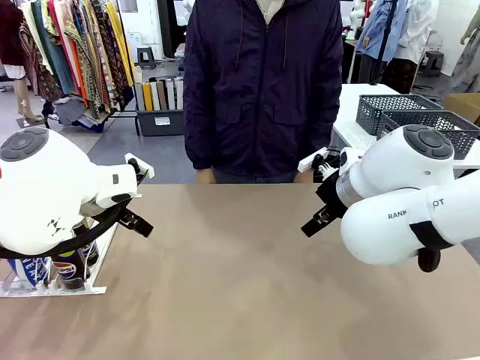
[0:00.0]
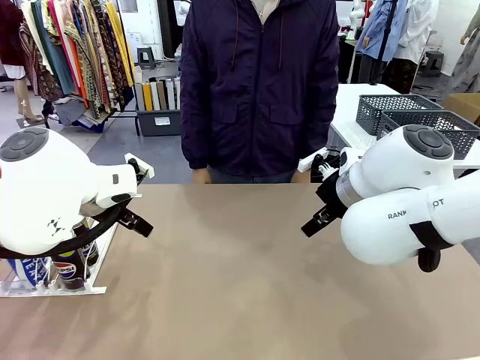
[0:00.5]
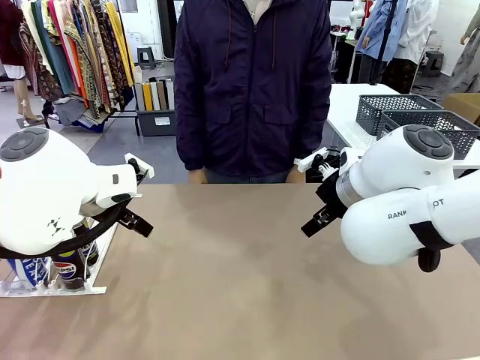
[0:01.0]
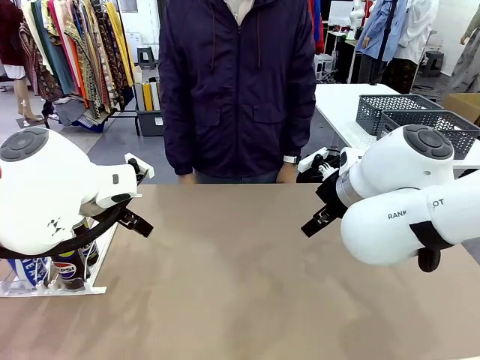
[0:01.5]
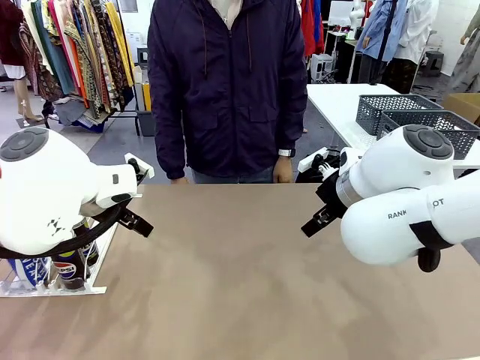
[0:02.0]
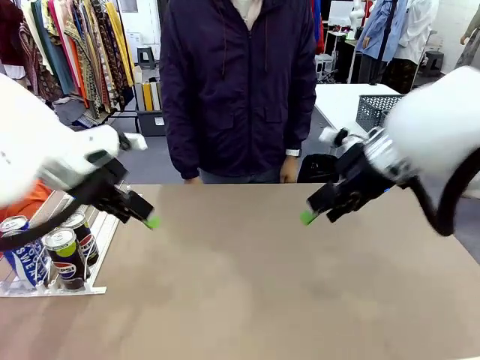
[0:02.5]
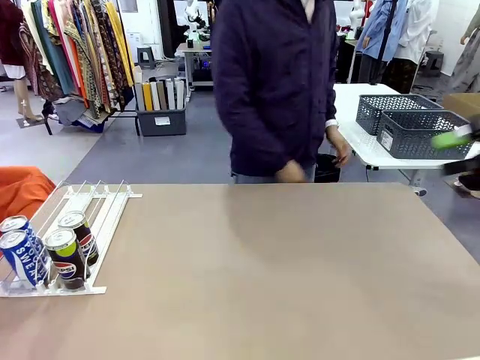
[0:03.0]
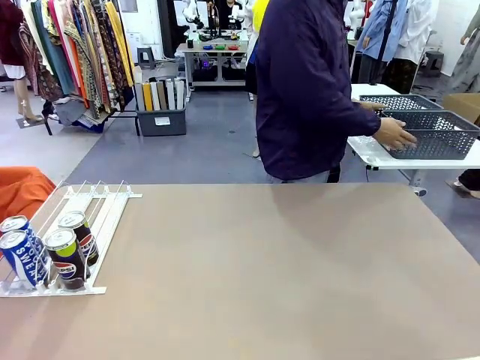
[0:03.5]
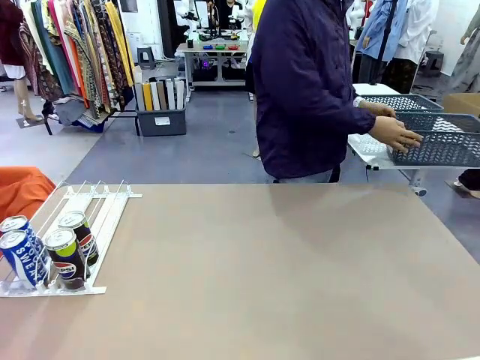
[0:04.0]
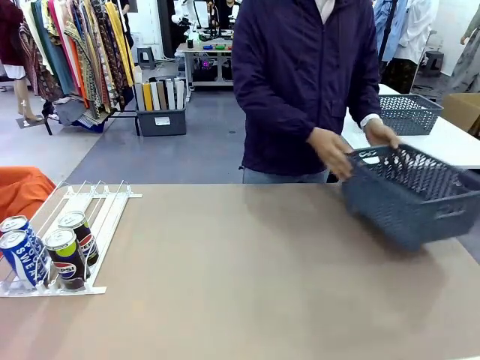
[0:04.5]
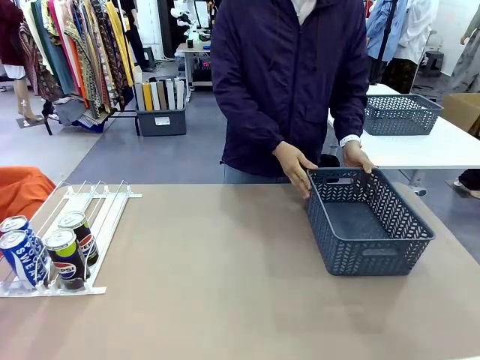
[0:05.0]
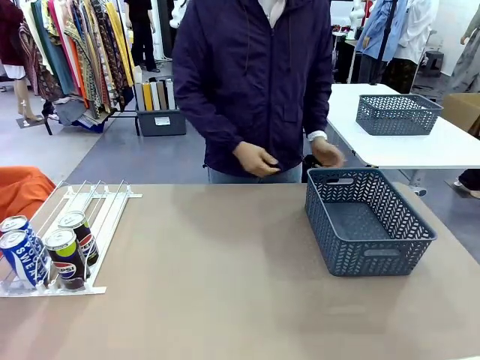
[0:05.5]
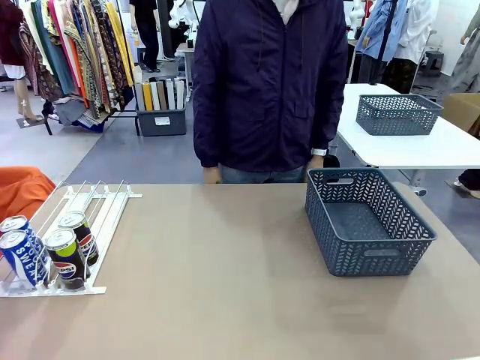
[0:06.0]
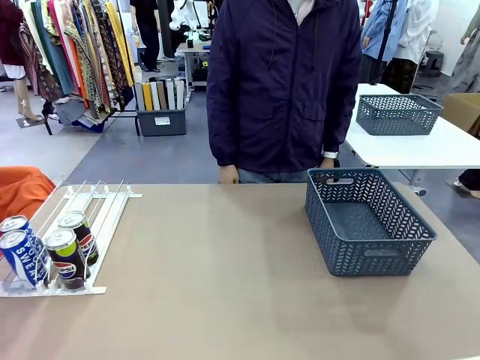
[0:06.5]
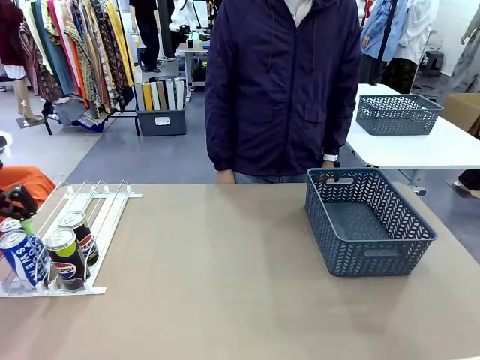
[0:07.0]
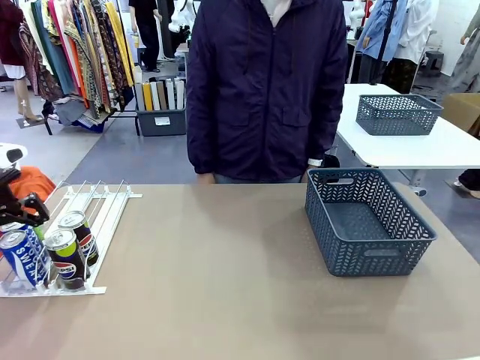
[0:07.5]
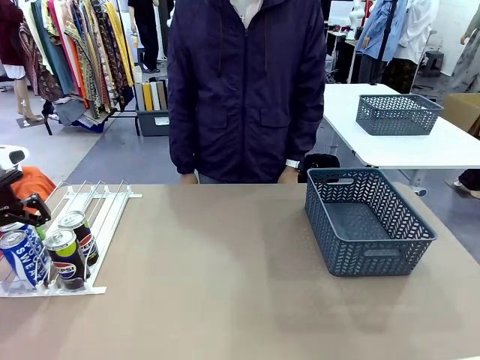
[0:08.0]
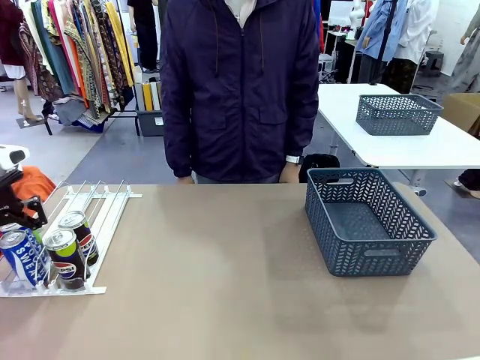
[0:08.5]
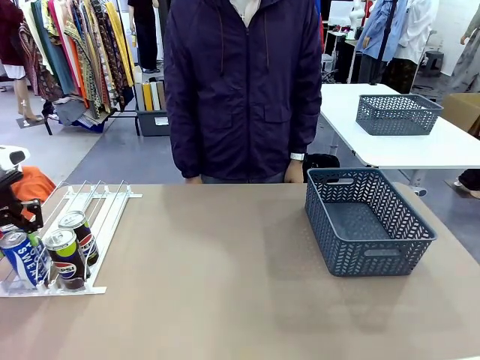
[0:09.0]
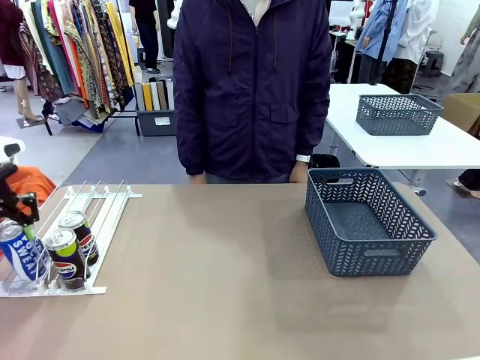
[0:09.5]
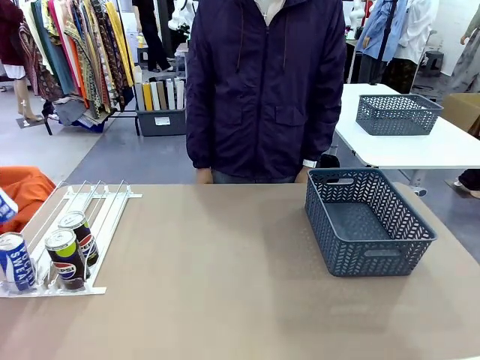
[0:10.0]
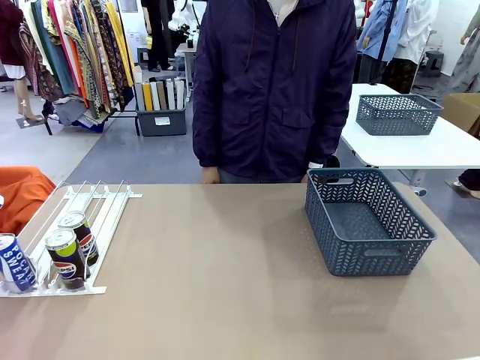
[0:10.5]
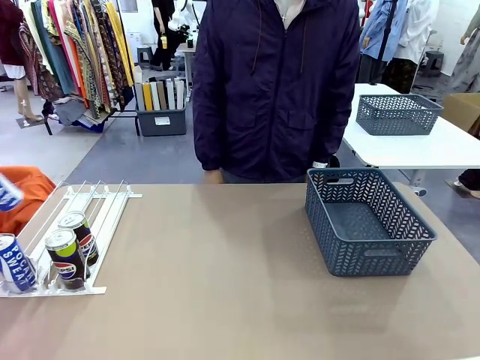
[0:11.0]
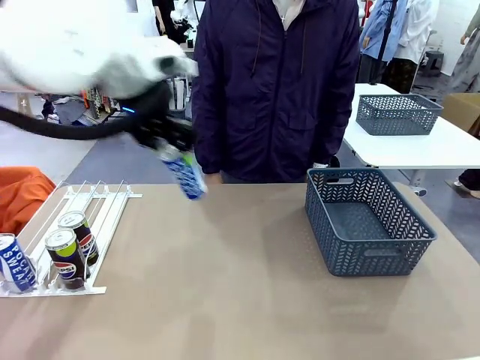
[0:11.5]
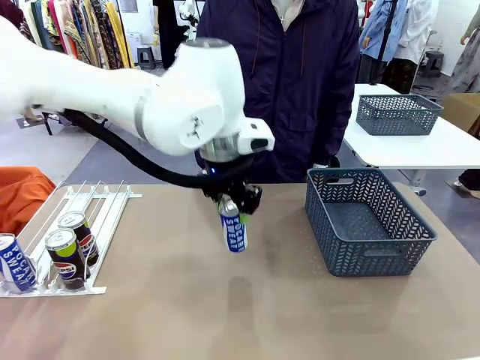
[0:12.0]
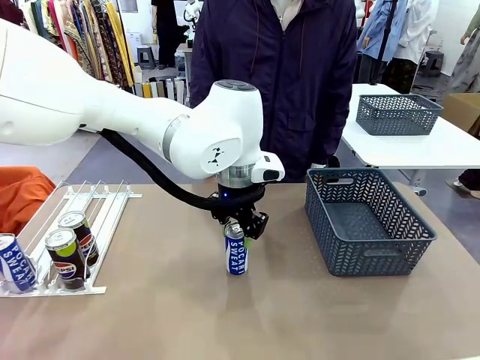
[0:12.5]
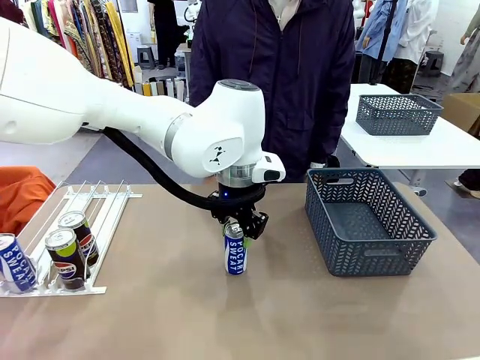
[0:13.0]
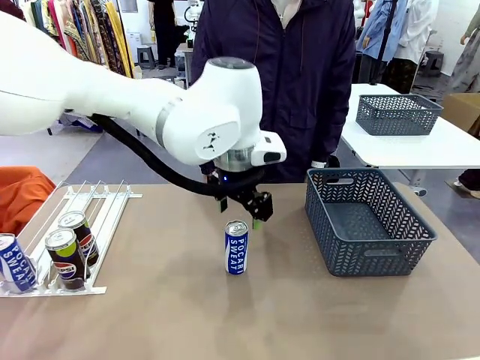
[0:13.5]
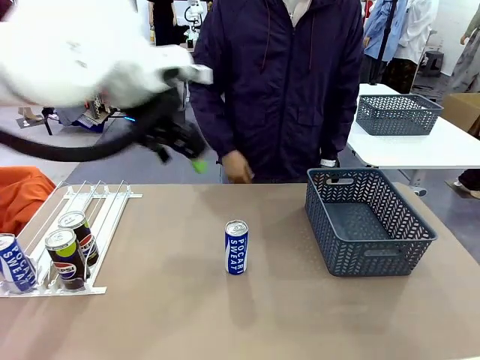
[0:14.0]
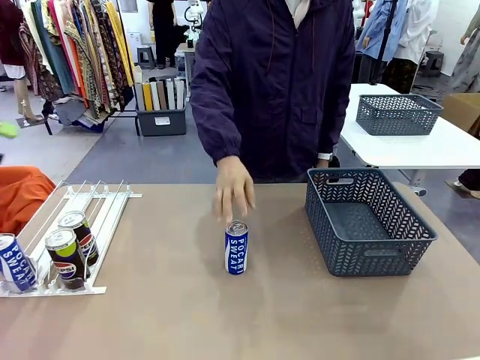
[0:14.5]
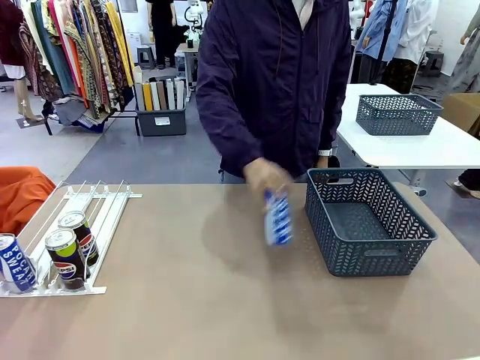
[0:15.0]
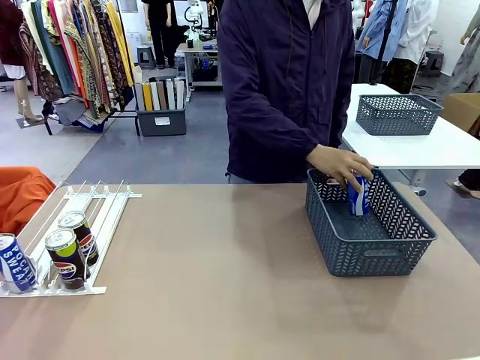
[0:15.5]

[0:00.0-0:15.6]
Task: Retrieve and store the cans from the dispenser.
Robot: Pick up one can from the Automatic Can Dispenser and place it in the middle of the table.
Person: Pick up the basket and place it on the left side of the robot table.

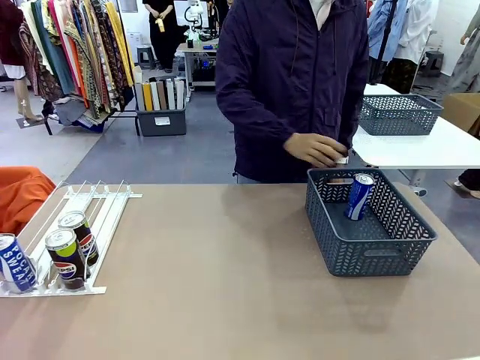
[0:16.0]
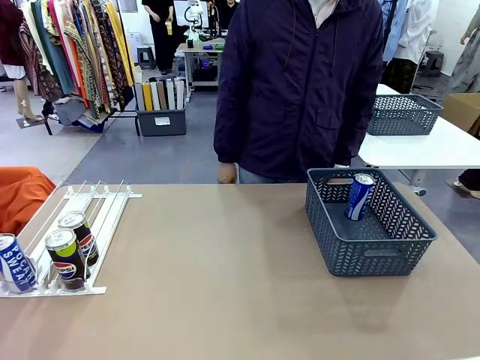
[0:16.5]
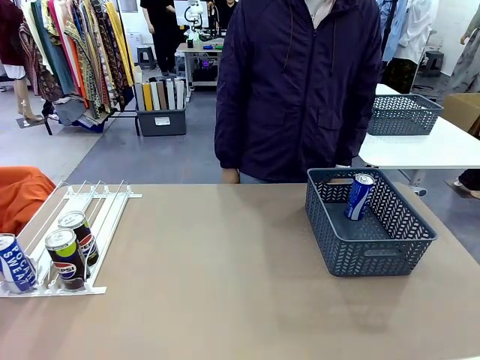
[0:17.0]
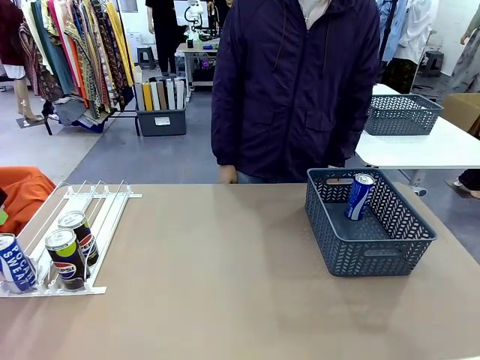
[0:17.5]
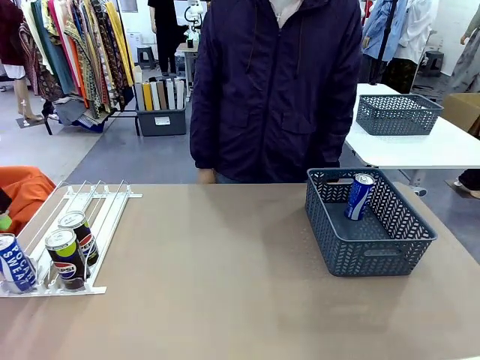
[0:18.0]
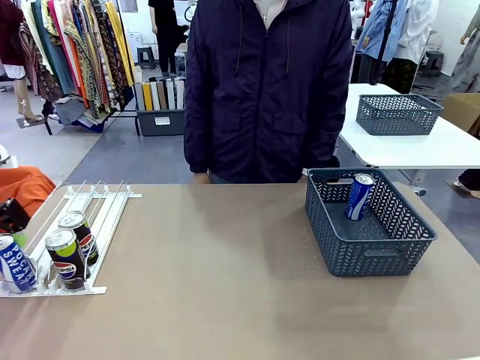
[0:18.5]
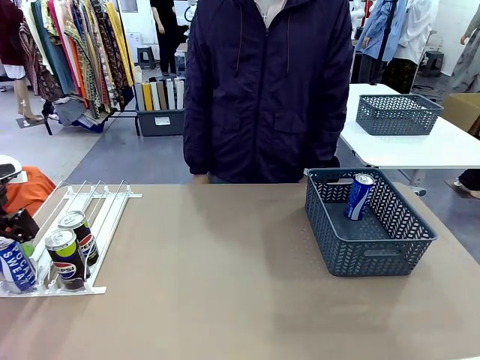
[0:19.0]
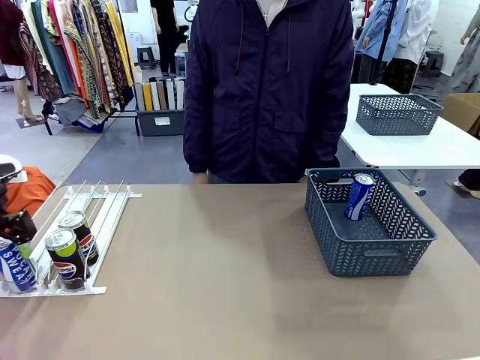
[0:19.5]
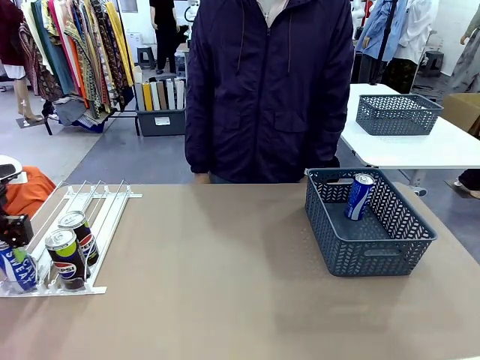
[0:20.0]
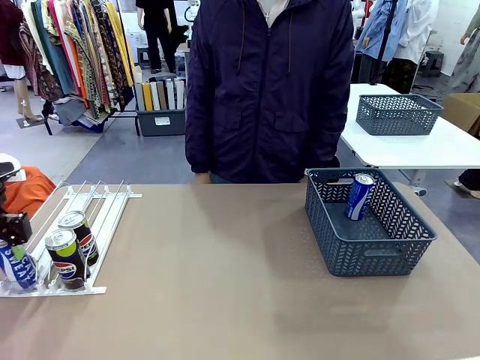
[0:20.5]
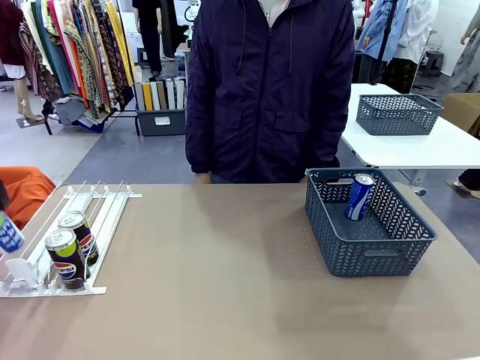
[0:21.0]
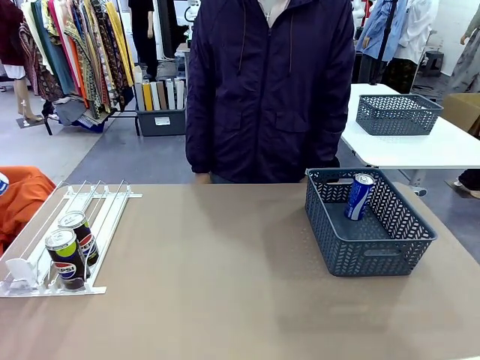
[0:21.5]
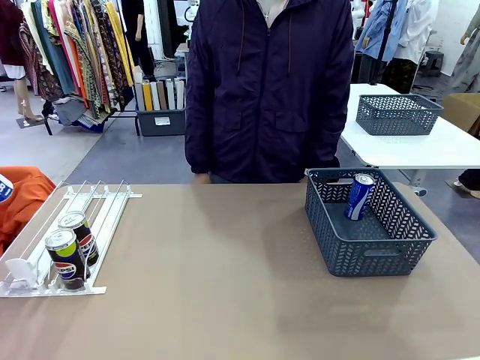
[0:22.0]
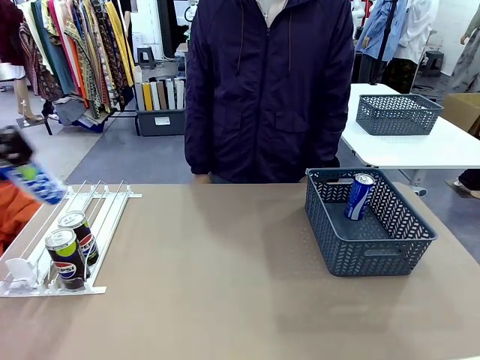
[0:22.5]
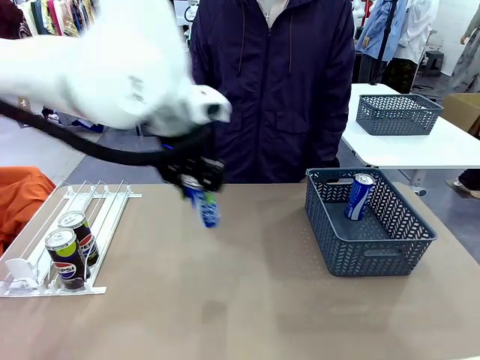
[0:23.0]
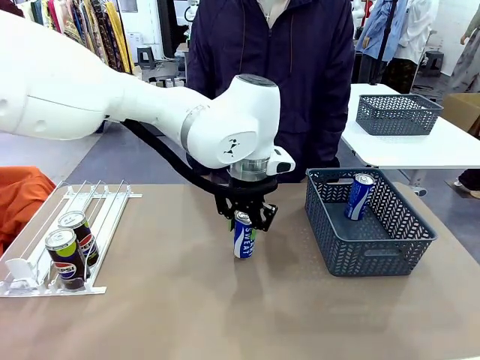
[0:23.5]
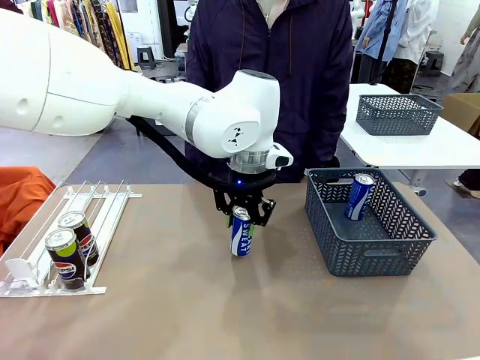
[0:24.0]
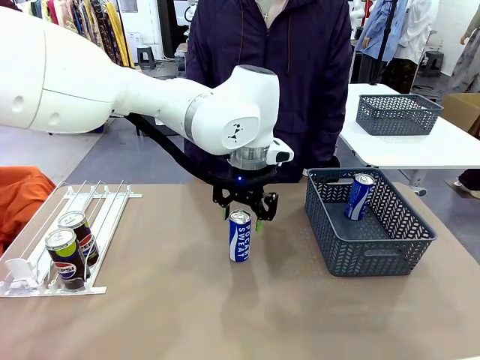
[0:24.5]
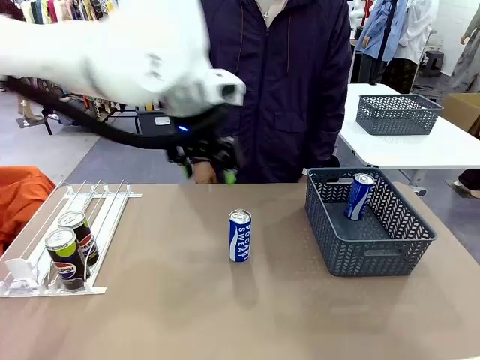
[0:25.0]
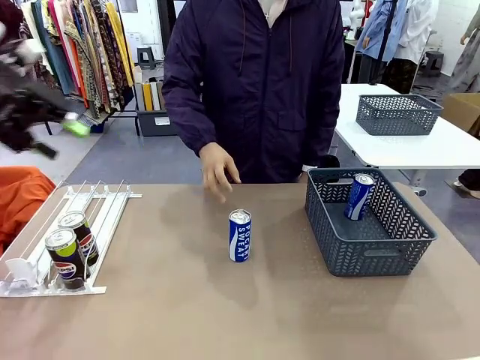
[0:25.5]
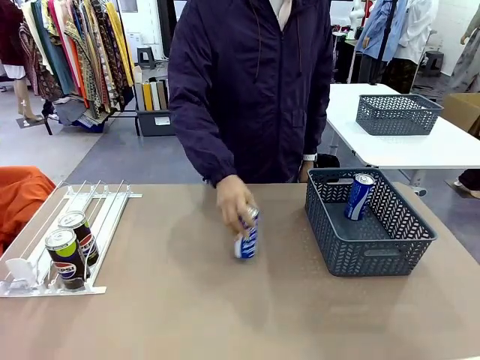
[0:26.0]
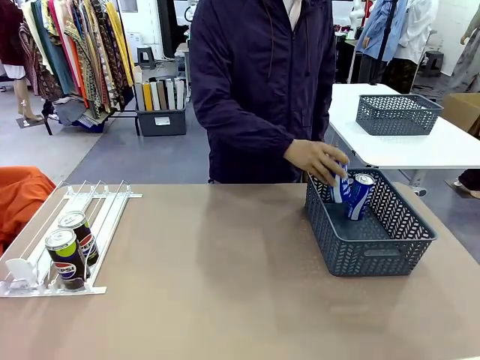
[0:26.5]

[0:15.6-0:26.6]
Robot: Pick up the last remaining can from one row of the Automatic Can Dispenser and place it in the middle of the table.
Person: Pick up one Pepsi can from the middle of the robot table and place it in the basket.
